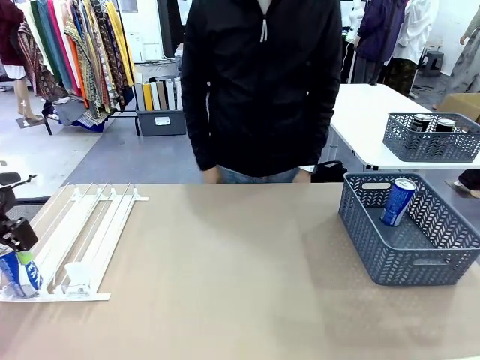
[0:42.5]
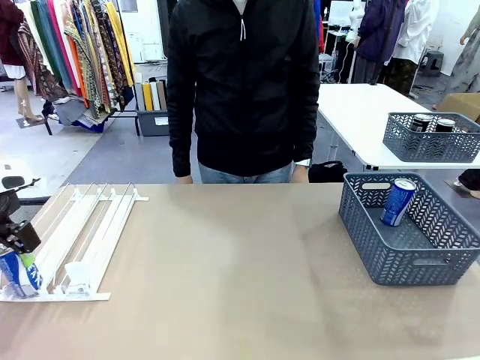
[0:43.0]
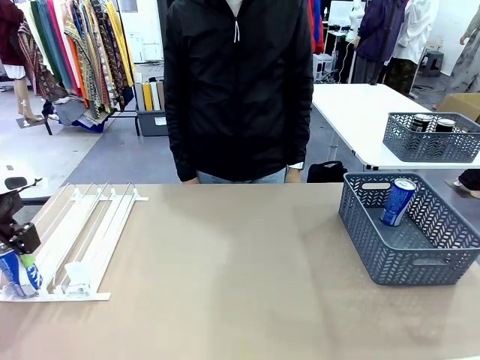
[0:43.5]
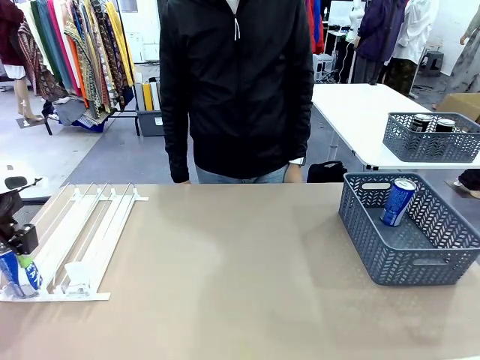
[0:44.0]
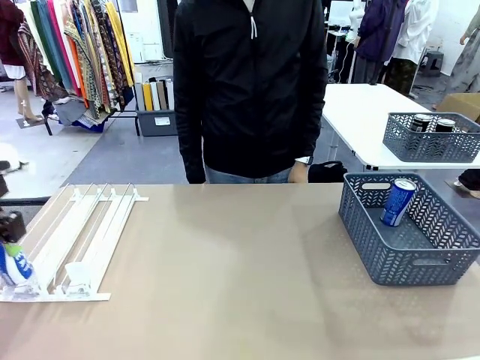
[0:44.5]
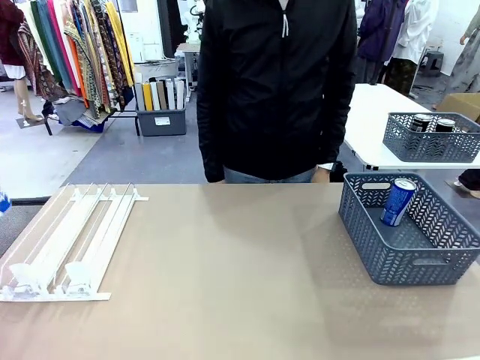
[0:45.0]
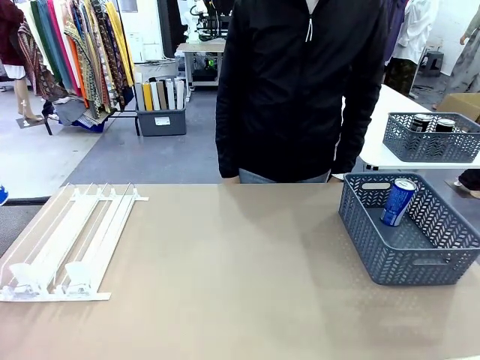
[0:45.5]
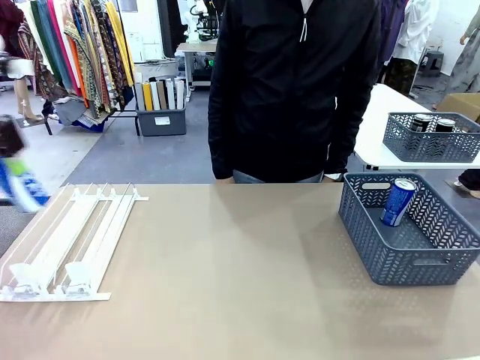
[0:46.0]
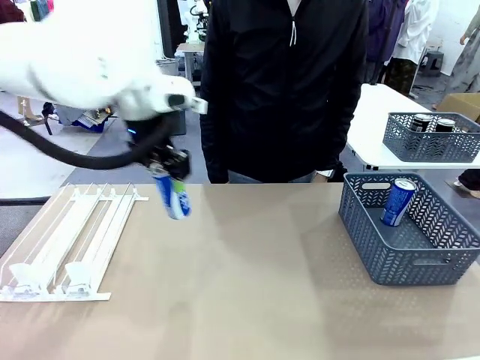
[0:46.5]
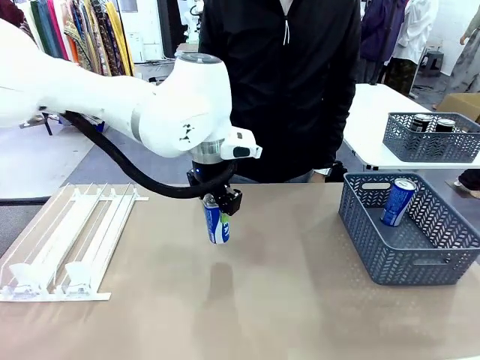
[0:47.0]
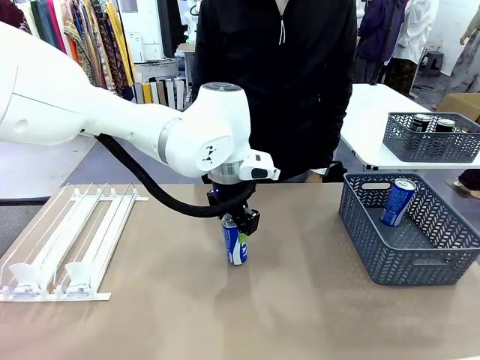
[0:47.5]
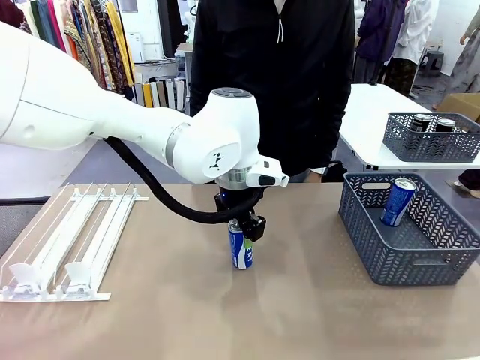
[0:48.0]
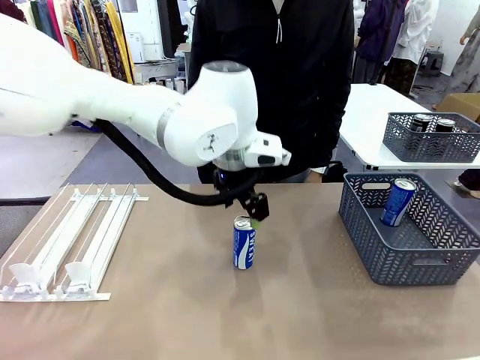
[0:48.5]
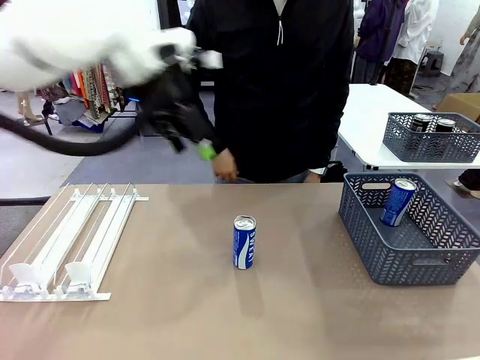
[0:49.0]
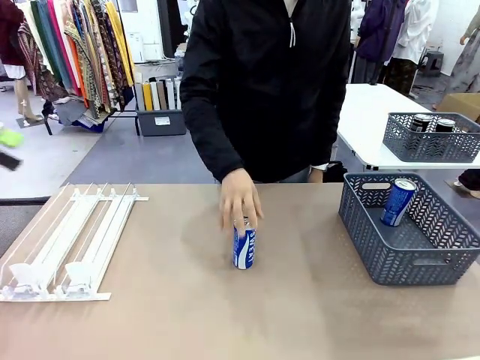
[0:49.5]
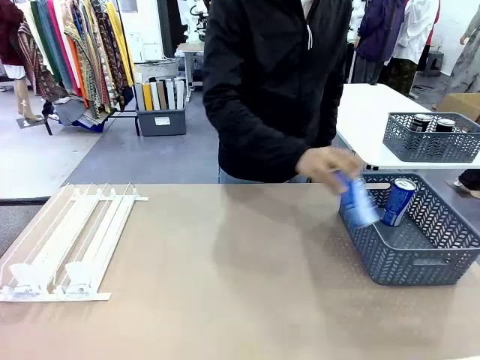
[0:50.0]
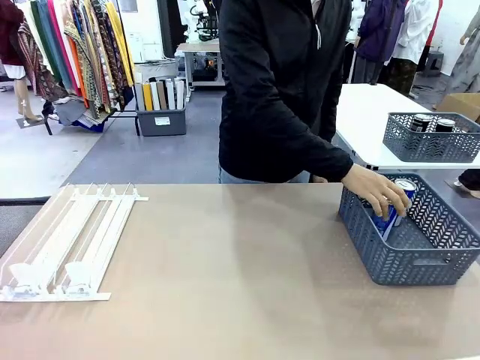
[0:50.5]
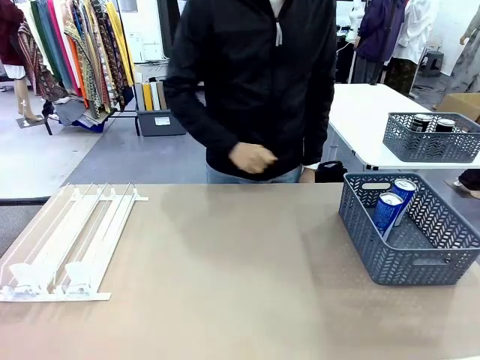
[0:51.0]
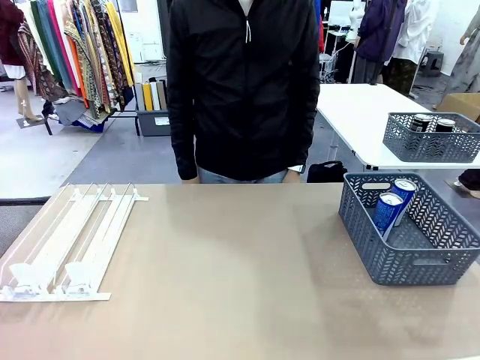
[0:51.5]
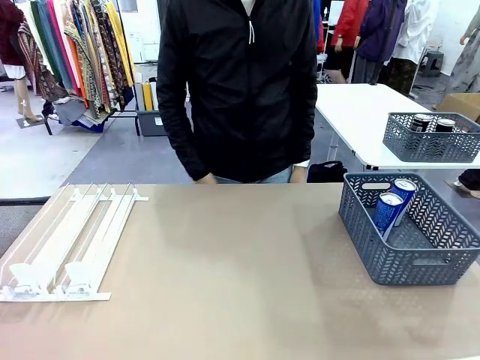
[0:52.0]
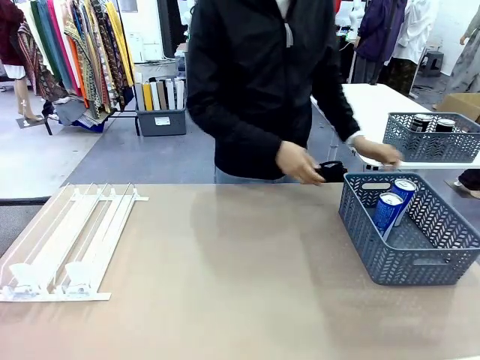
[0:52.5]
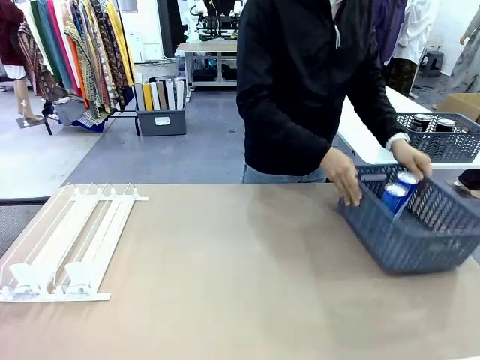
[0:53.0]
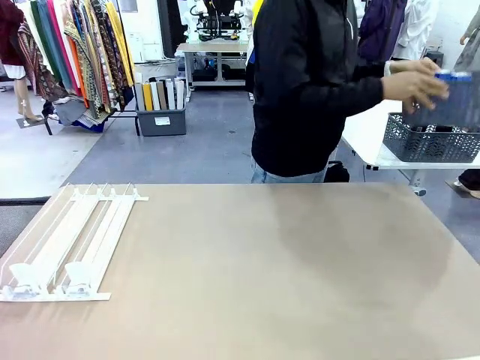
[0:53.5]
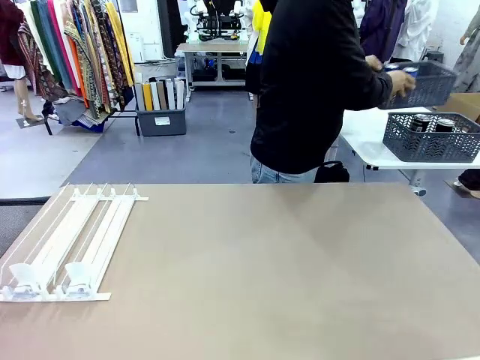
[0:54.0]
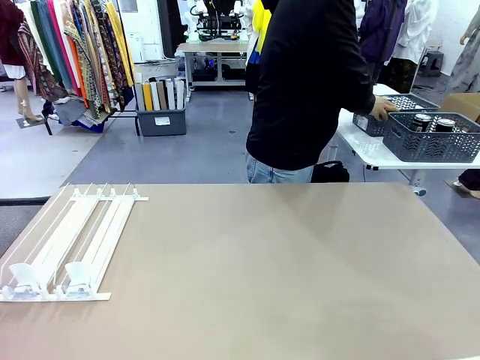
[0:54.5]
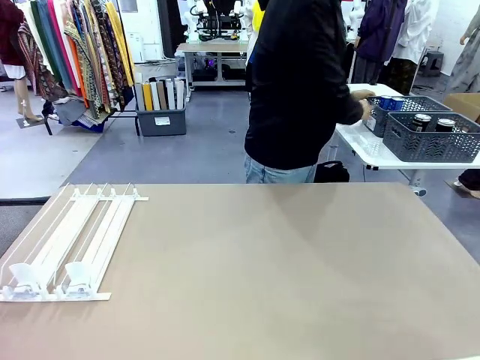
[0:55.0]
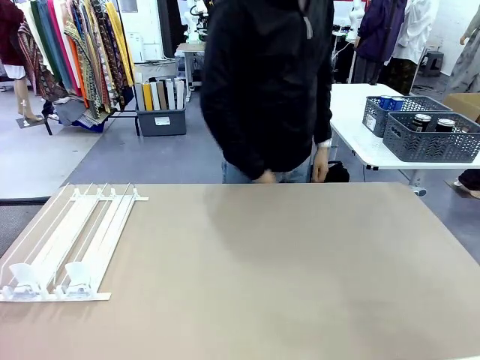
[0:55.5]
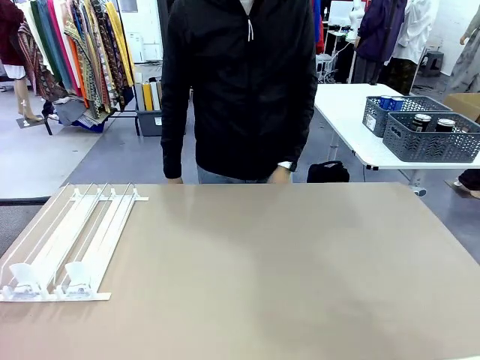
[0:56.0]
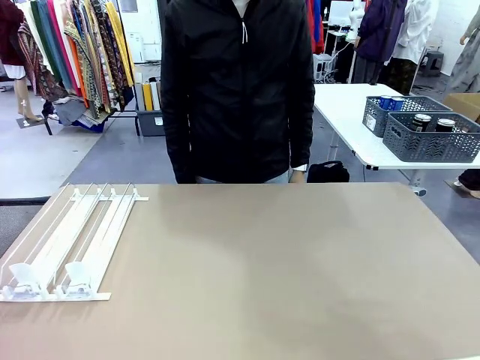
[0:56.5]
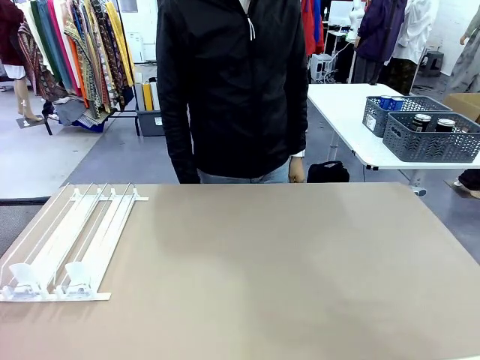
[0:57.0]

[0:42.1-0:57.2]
Task: Retrieve and store the cans from the dispenser.
Robot: Pick up one can from the Automatic Can Dispenser and place it in the middle of the table.
Person: Pick up one sports drink can from the middle of the robot table and place it in the basket. Pick up the basket and place it in the middle of the human table.

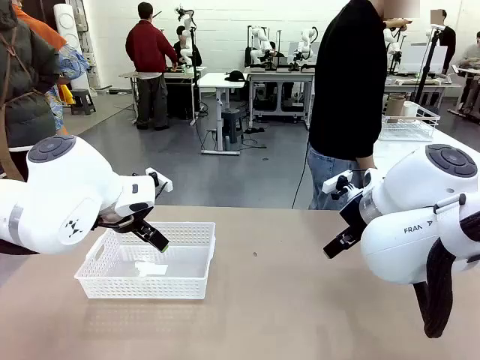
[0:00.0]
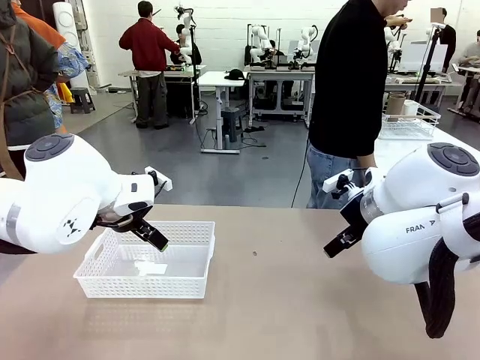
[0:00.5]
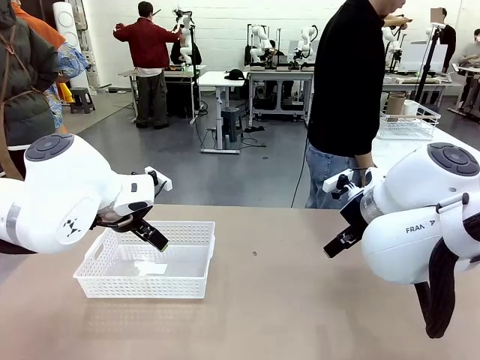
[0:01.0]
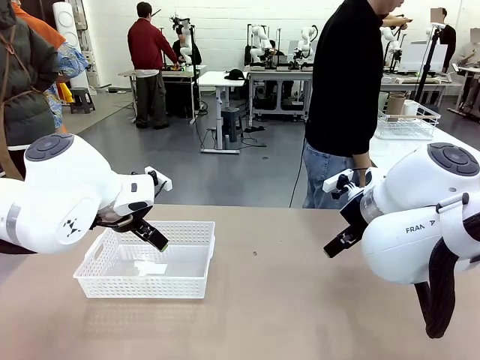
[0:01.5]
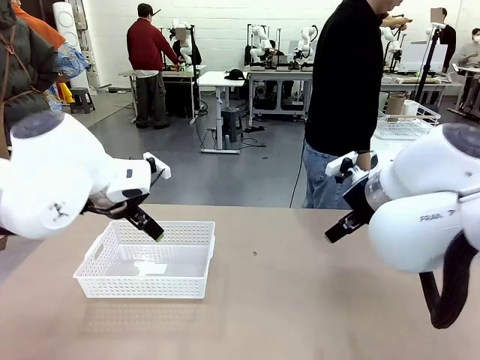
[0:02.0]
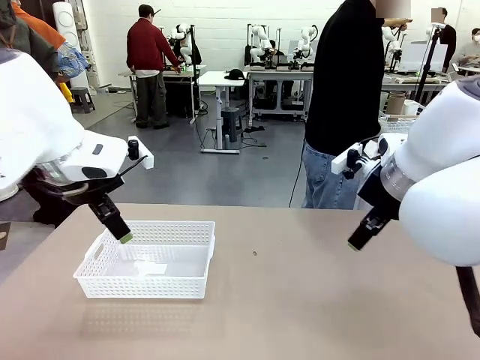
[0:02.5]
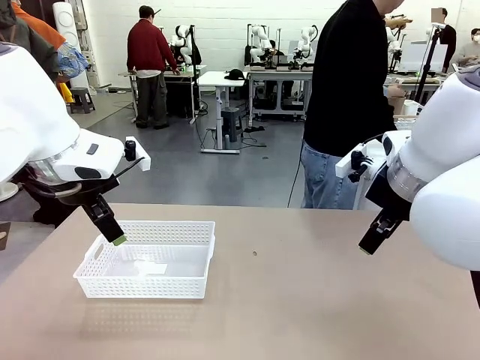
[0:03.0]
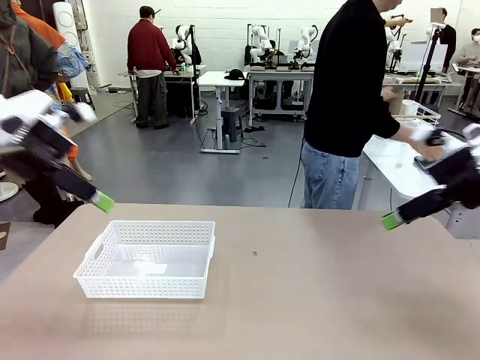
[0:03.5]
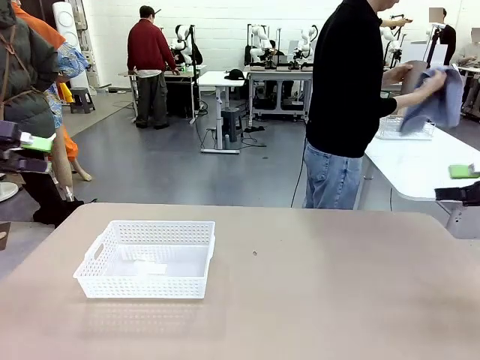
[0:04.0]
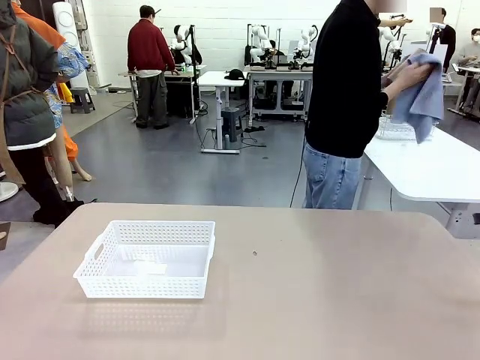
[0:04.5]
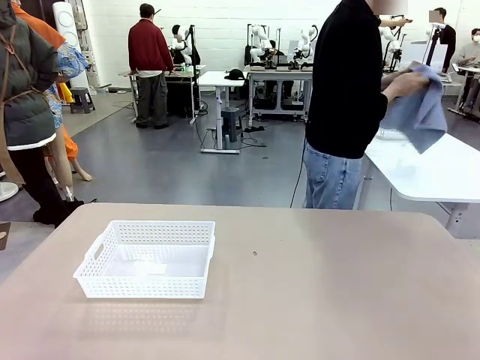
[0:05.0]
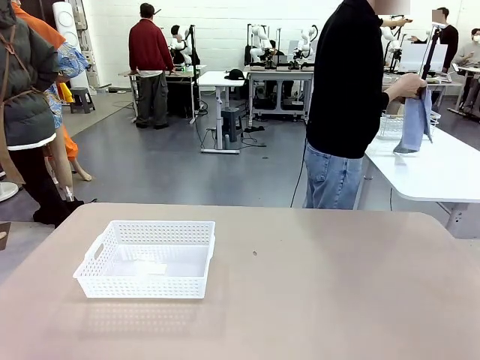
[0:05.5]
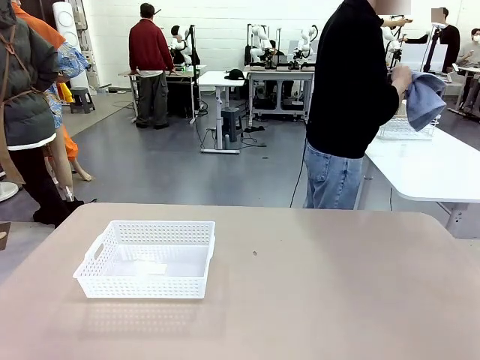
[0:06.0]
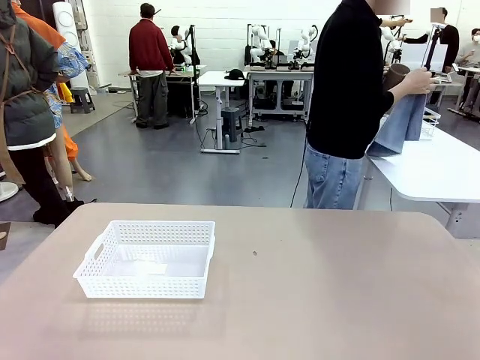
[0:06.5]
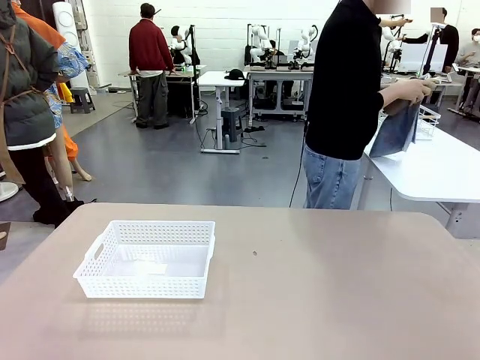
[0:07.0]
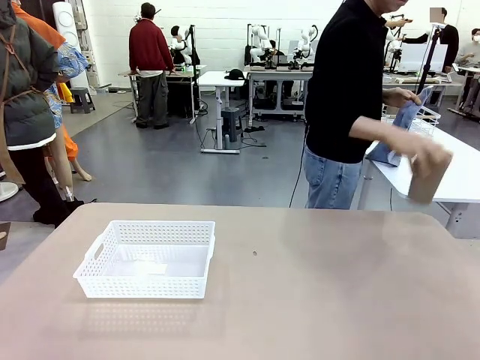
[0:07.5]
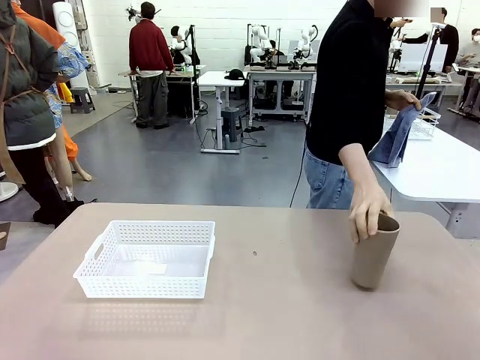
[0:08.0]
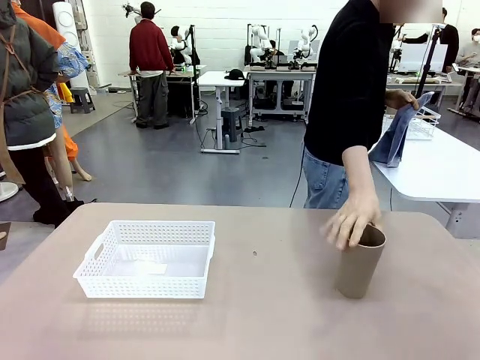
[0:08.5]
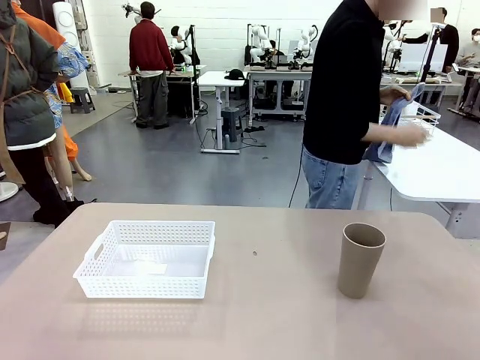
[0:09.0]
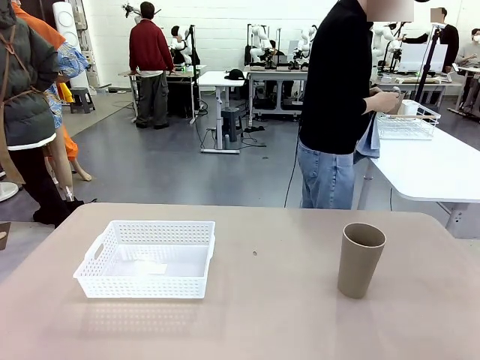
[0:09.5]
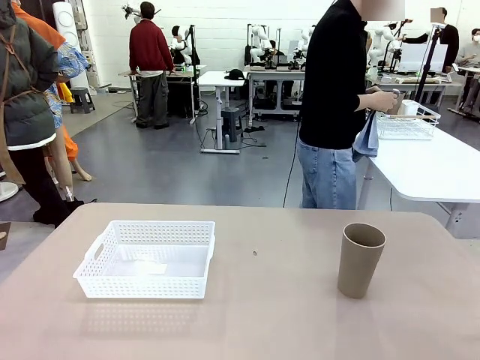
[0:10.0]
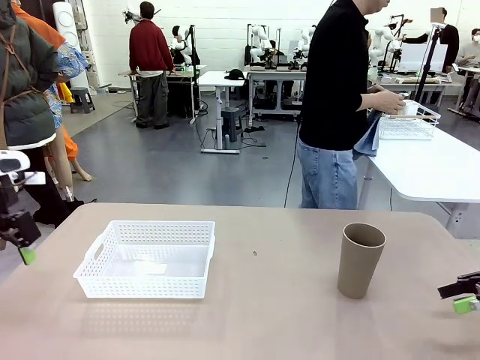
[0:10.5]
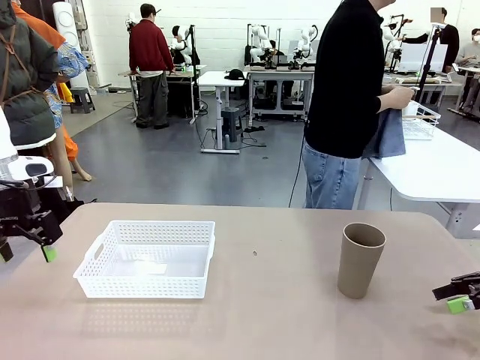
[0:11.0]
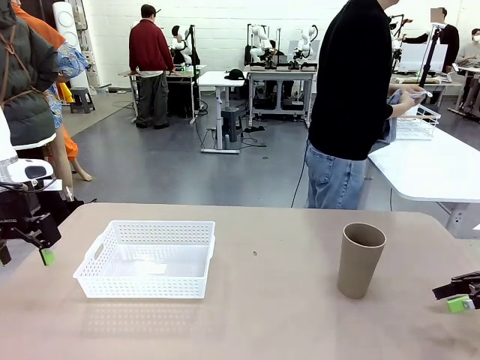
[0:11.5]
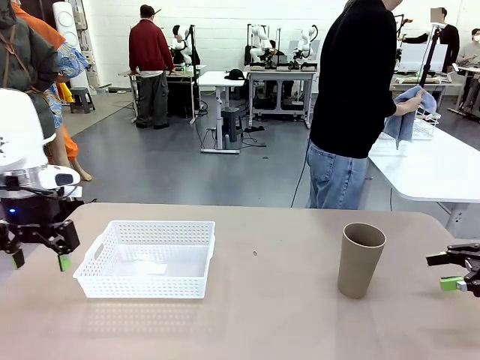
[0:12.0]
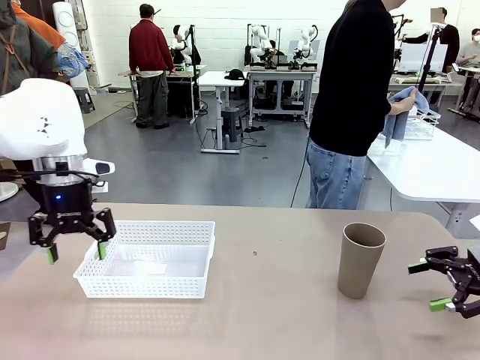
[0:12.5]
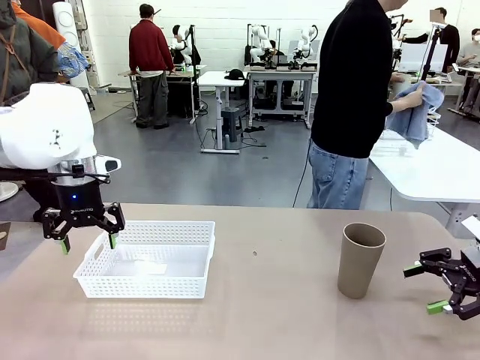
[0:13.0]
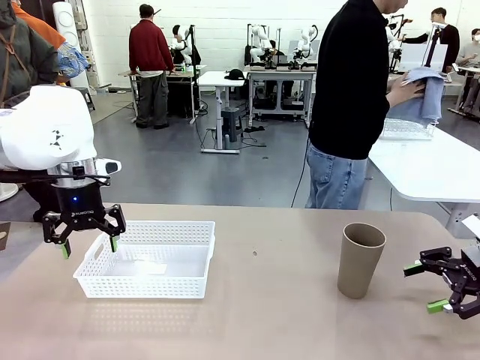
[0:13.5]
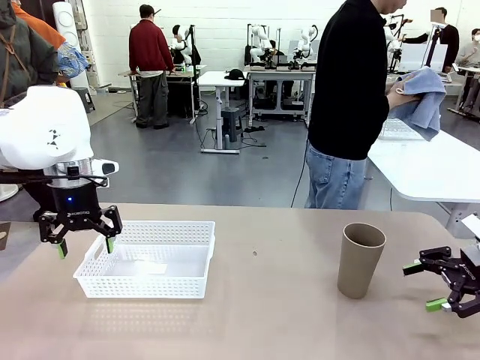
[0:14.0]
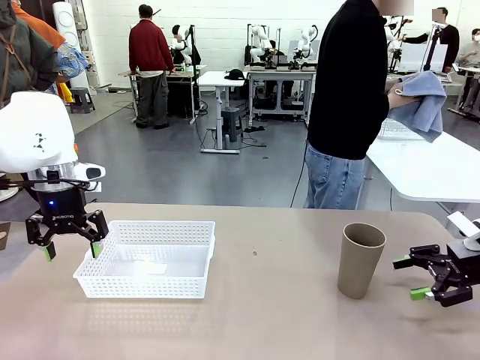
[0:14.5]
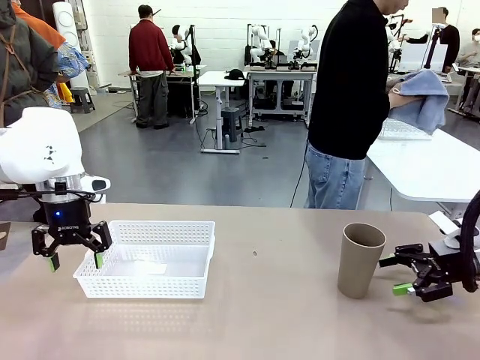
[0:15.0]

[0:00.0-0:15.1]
Task: Clean and organize the cups into the basket.
Robot: Pick up the Organizing basket and move it to the center of the table, then pick up the Reusable plastic cup from the right side of the table and place it inside the Organizing basket.
Person: Picks up a cup and a towel, cleans the cup with the towel, and places it on the left side of the robot table.
